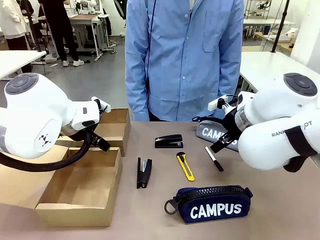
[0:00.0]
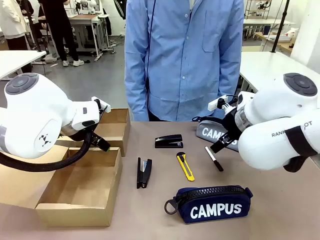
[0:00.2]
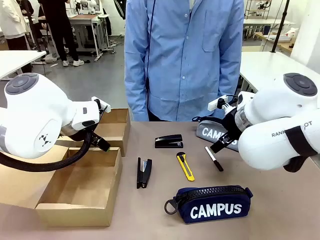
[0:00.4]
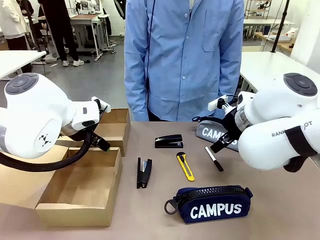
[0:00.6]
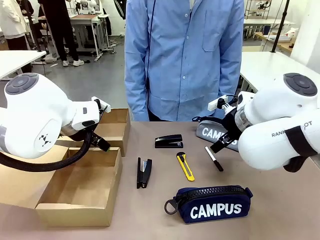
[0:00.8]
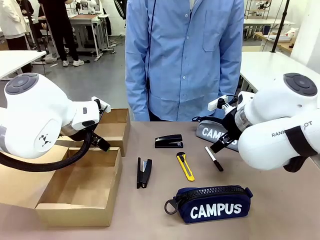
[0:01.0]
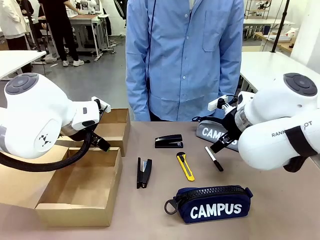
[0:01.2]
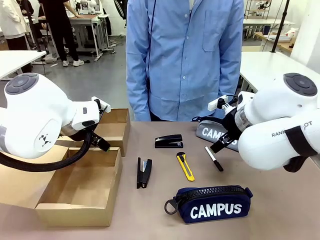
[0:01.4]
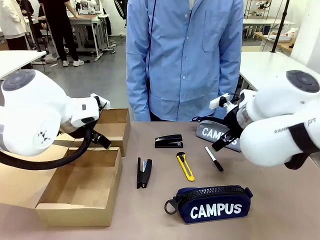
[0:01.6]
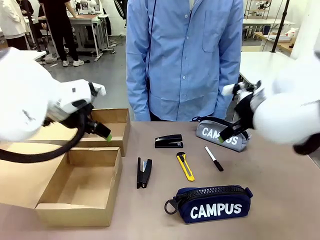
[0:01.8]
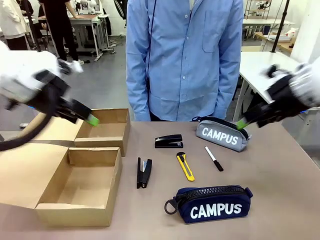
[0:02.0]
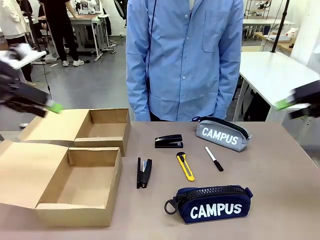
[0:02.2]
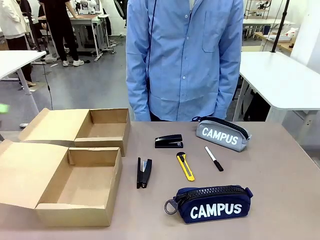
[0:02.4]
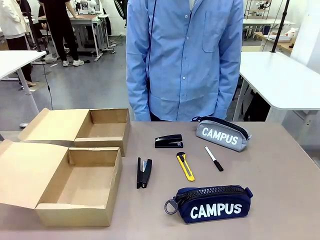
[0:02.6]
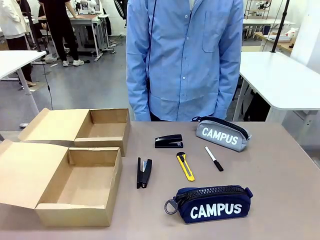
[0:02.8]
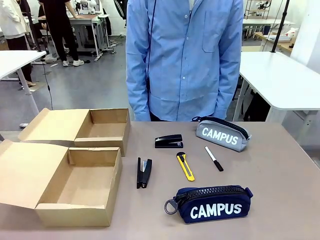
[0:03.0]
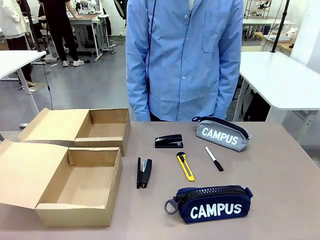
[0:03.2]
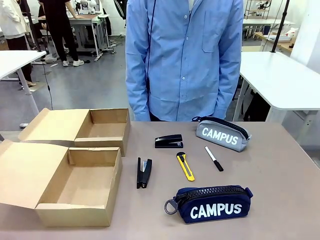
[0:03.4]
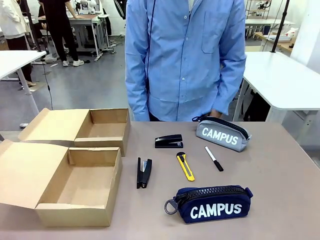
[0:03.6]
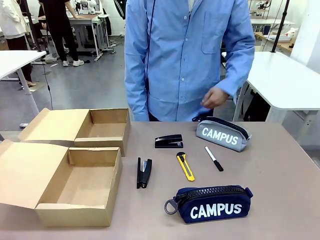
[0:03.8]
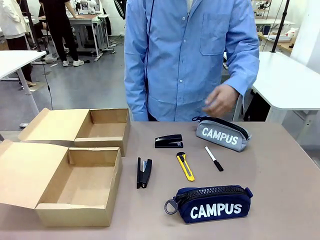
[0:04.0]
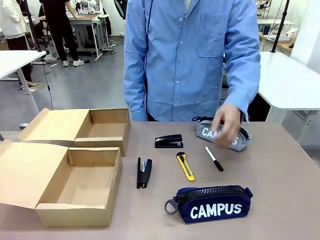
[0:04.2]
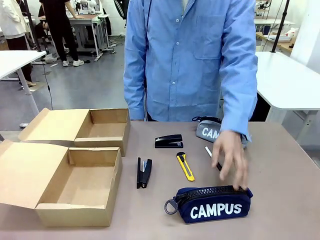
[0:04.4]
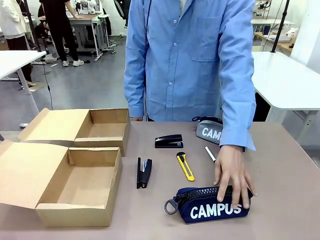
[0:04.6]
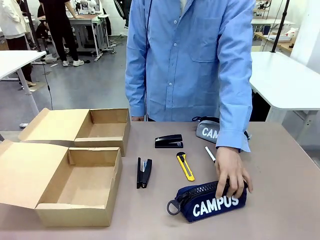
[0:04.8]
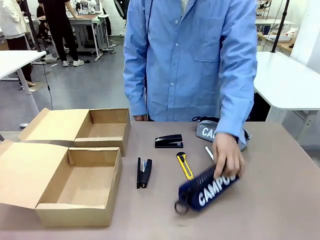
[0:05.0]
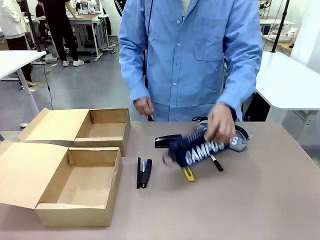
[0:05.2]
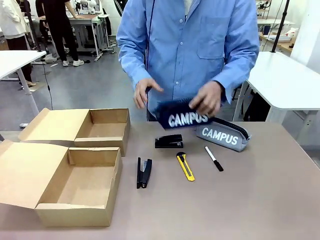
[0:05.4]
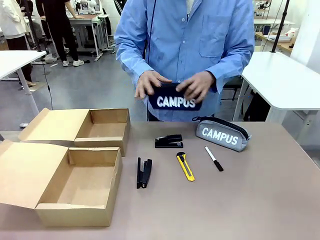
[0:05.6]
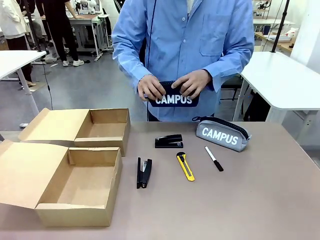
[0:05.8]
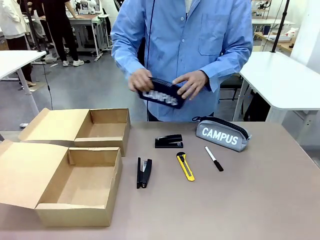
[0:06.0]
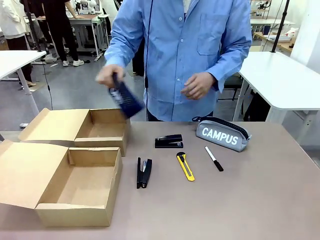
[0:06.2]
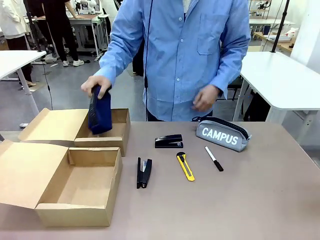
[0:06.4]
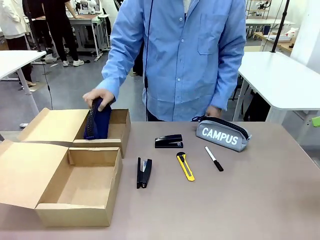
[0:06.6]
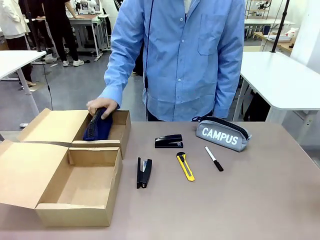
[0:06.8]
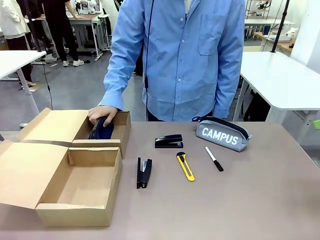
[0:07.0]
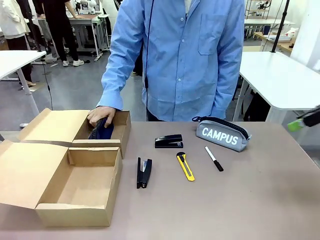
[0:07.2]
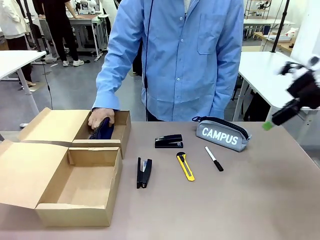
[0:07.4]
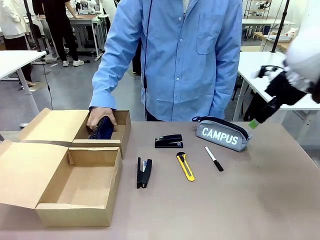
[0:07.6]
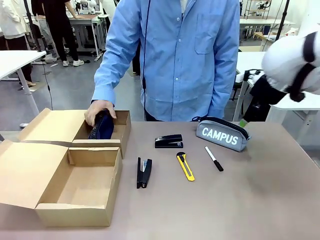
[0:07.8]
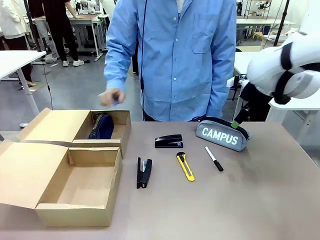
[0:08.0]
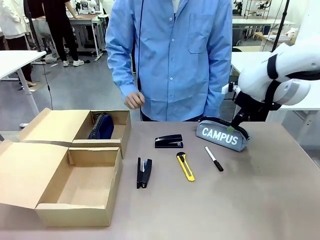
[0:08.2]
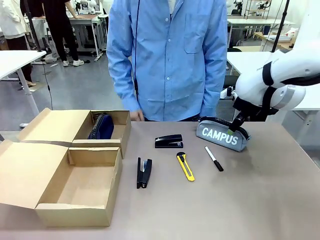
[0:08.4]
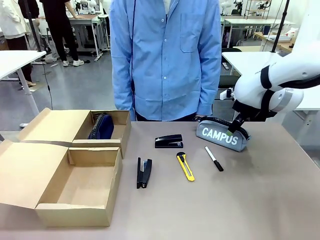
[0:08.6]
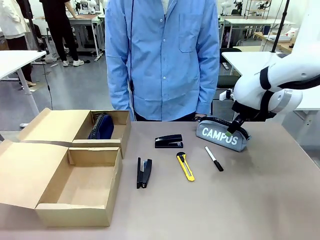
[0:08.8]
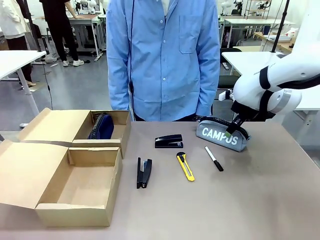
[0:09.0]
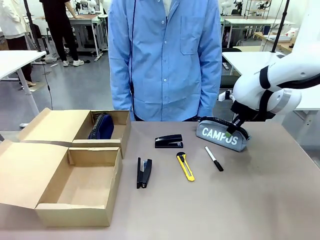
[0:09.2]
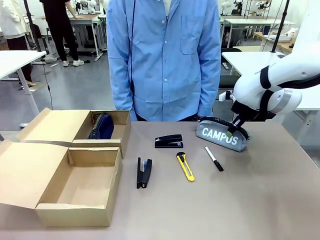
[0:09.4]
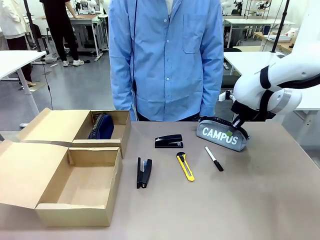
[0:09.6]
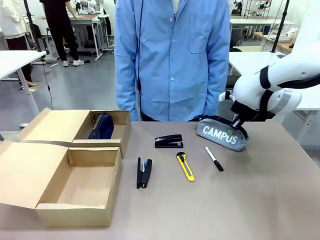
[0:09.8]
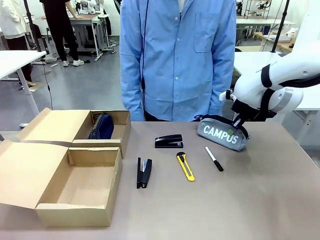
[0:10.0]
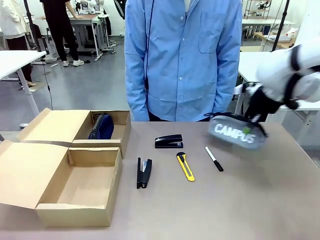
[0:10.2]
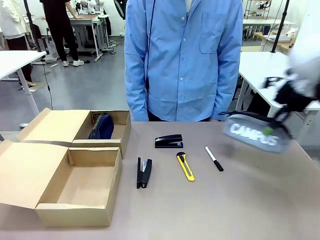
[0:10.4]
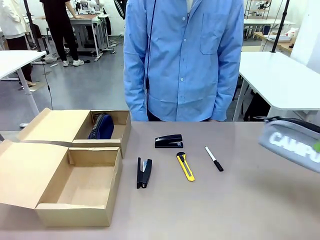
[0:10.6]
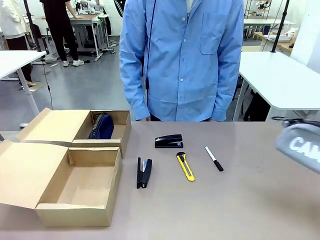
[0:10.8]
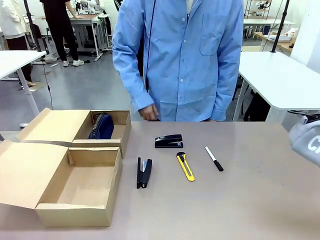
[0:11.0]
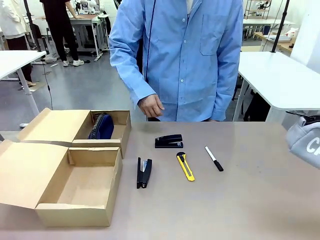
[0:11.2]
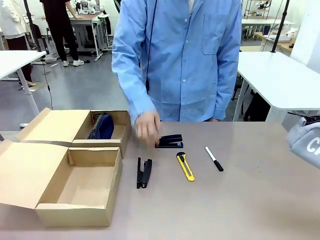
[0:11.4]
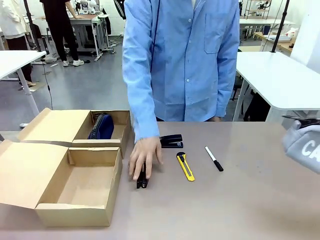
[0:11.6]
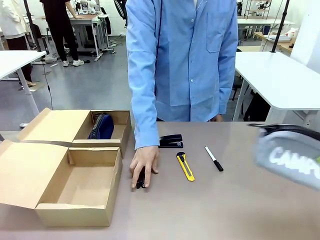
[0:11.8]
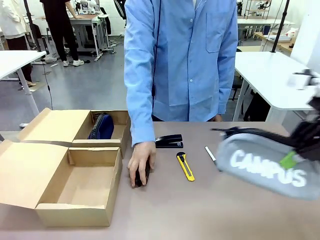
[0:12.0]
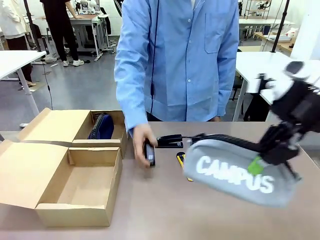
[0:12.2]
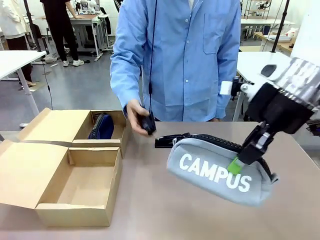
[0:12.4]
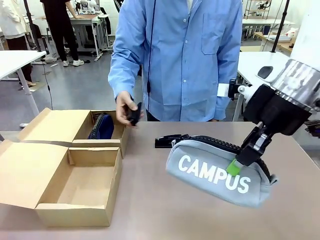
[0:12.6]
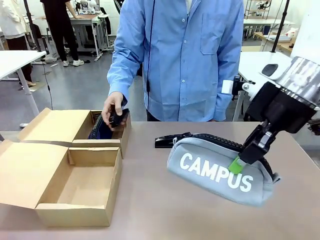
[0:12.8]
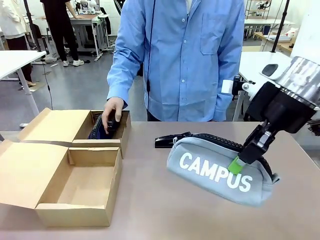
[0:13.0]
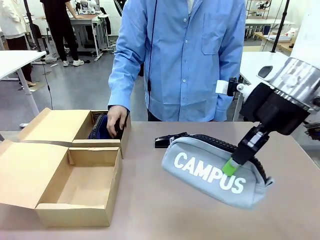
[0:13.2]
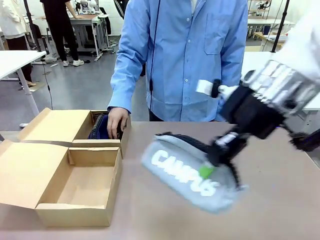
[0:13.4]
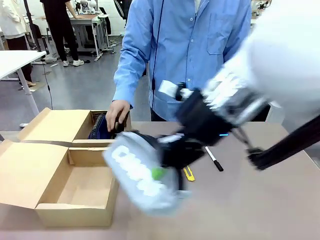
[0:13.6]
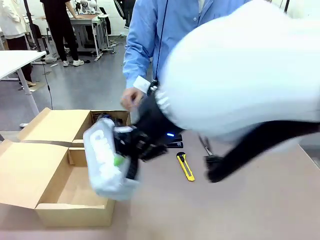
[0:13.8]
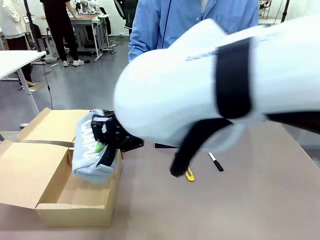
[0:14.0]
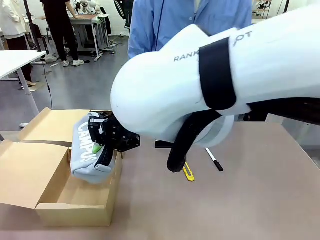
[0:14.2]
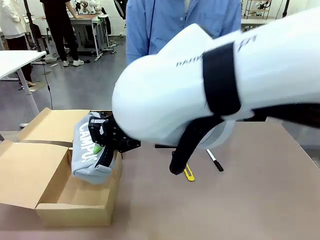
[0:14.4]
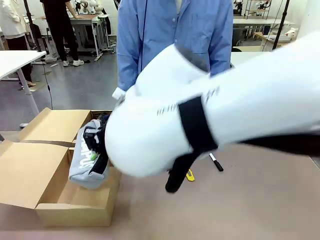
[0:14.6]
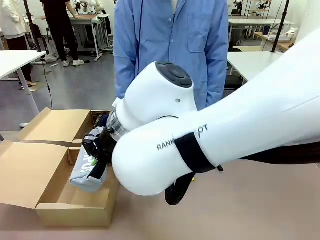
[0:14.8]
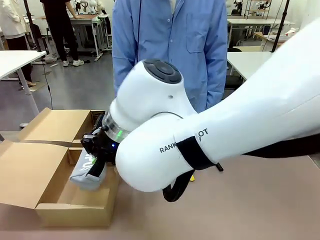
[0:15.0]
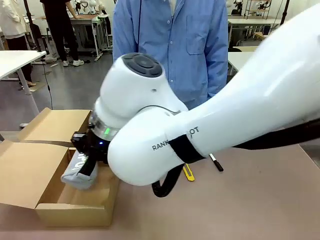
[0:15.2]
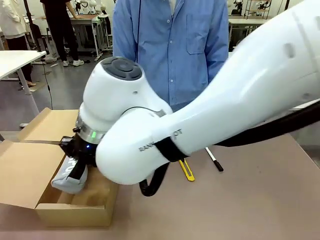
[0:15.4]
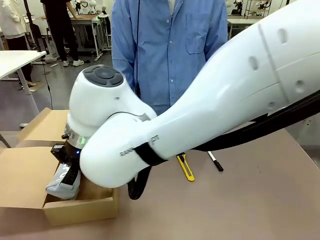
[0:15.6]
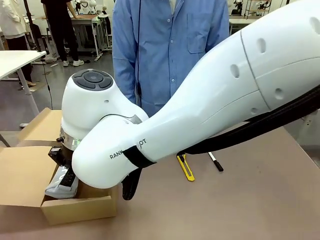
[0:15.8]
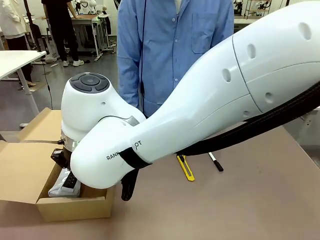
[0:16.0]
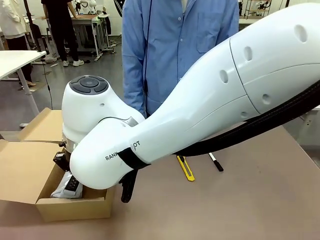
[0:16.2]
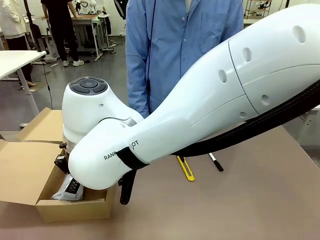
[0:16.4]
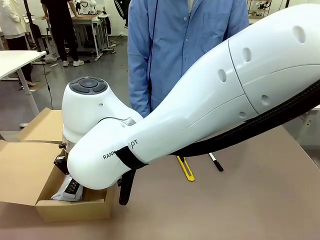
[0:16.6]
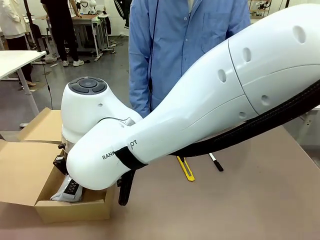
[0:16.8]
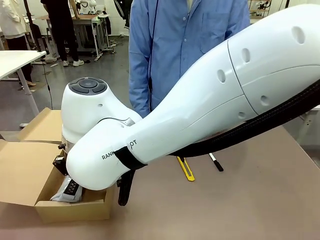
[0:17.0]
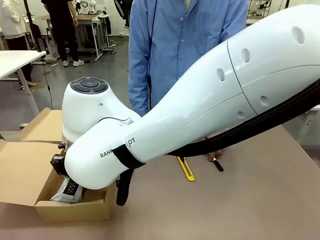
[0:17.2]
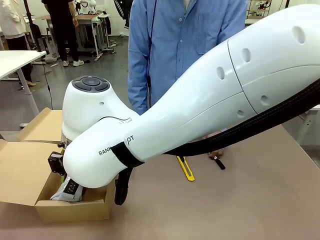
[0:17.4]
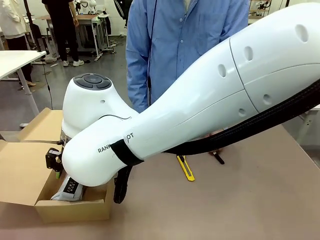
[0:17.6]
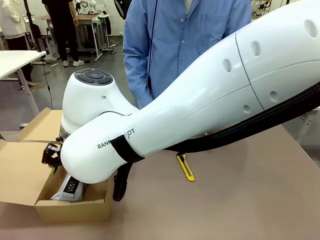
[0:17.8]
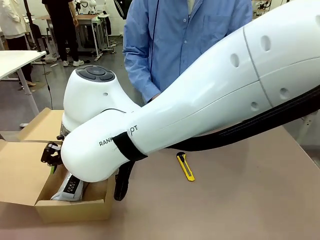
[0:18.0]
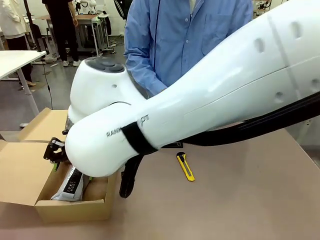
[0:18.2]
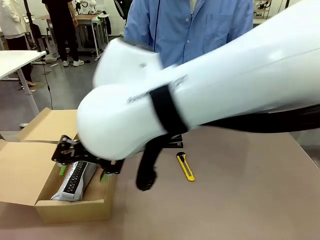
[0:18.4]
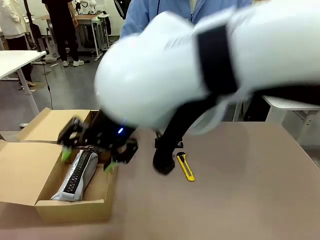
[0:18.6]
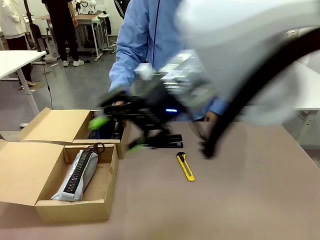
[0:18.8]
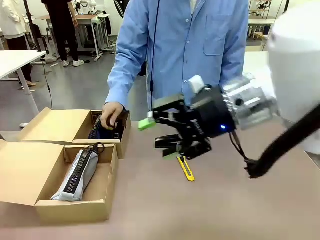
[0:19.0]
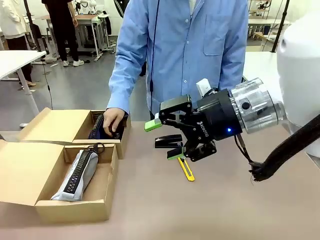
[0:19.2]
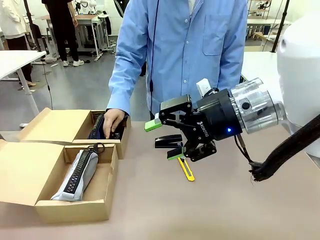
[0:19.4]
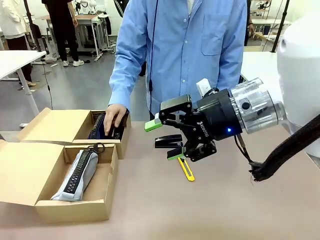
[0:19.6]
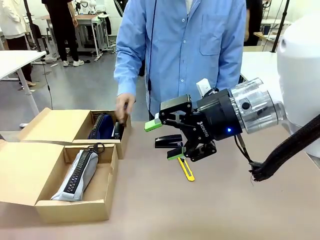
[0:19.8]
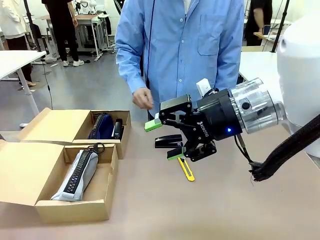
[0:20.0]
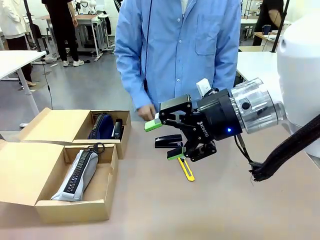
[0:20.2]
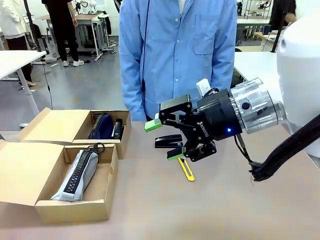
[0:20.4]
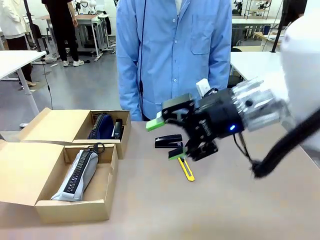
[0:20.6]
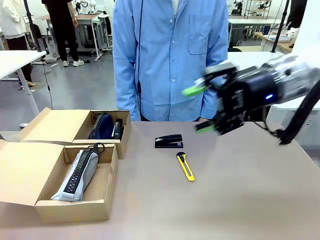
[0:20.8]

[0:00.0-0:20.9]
Task: Place items inside the box.
Robot: Pick up a Pencil pouch or Stapler and place it inside the Mailer Box closest to the robot.
Person: Pick up an object on the table and put it in the box.
